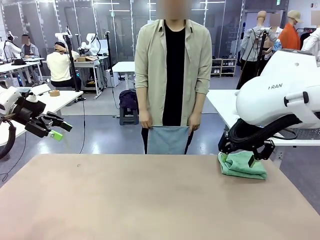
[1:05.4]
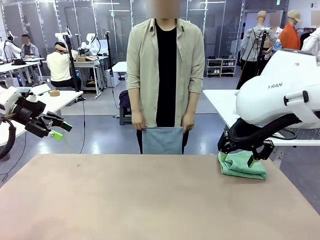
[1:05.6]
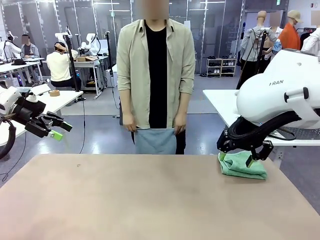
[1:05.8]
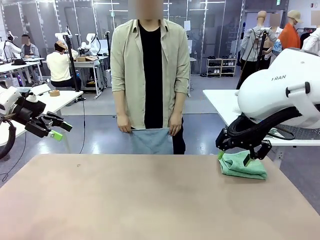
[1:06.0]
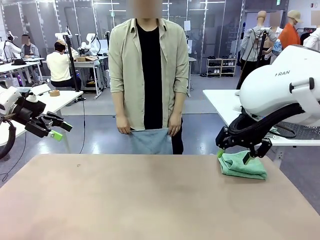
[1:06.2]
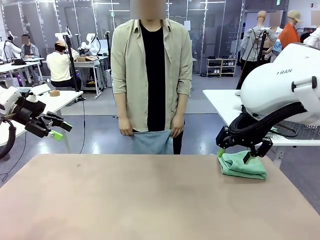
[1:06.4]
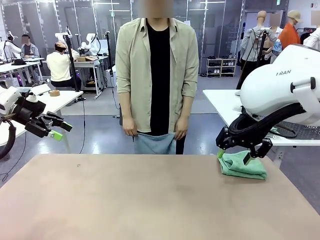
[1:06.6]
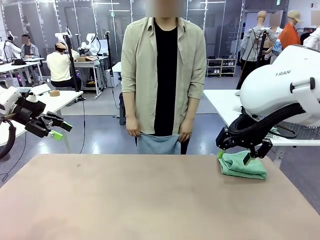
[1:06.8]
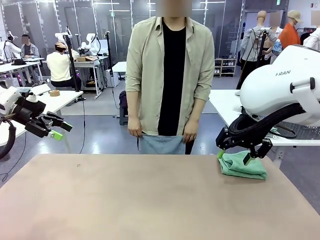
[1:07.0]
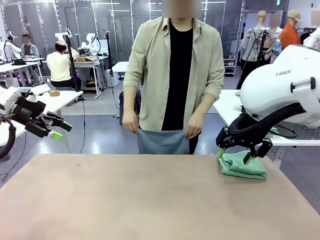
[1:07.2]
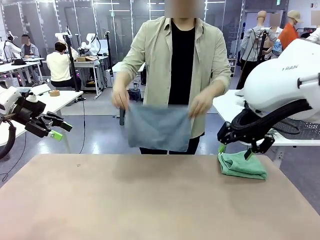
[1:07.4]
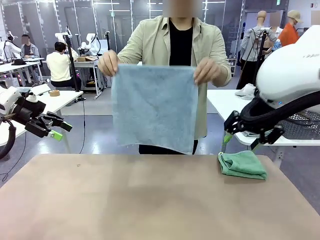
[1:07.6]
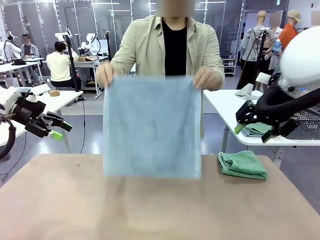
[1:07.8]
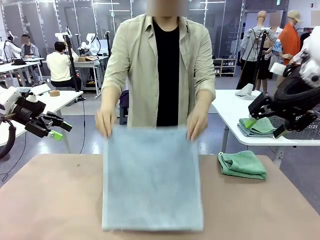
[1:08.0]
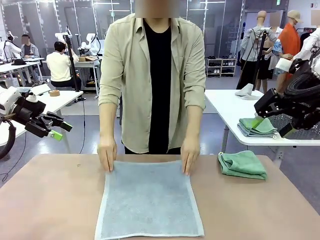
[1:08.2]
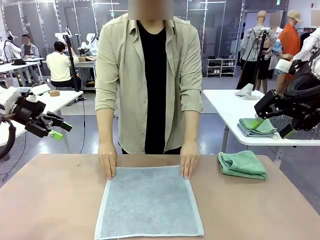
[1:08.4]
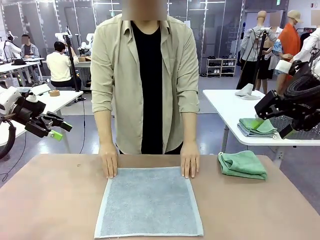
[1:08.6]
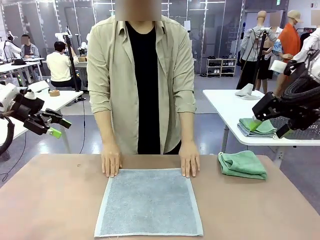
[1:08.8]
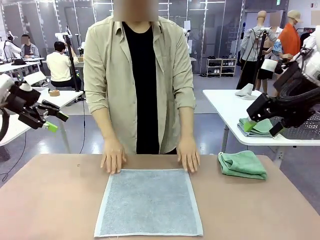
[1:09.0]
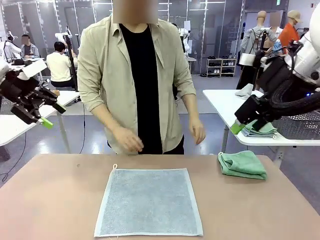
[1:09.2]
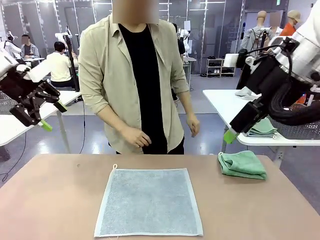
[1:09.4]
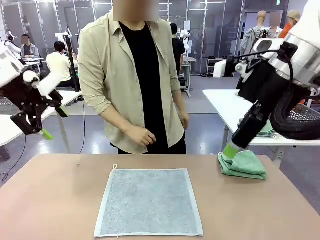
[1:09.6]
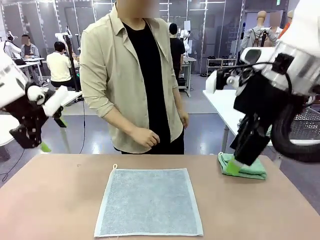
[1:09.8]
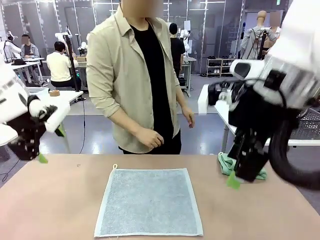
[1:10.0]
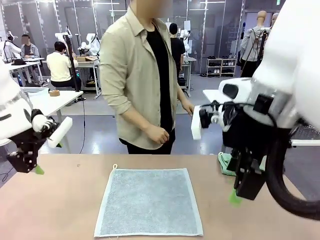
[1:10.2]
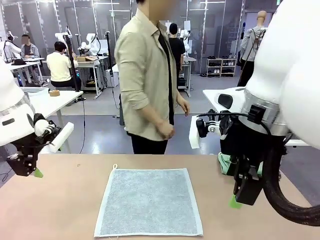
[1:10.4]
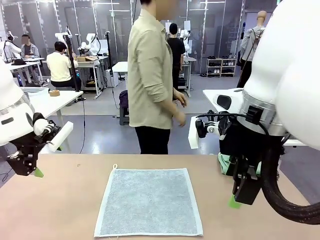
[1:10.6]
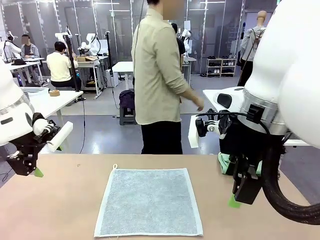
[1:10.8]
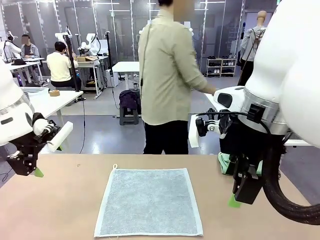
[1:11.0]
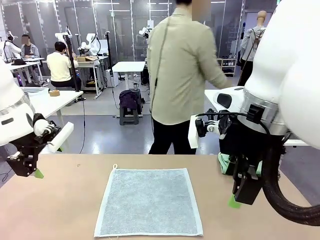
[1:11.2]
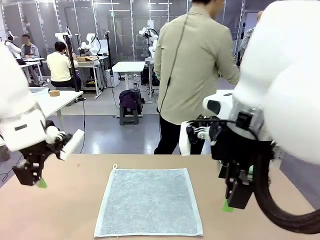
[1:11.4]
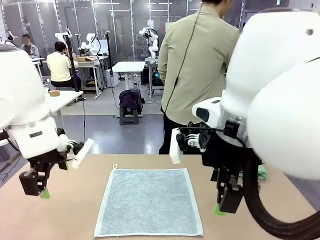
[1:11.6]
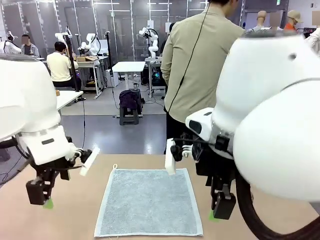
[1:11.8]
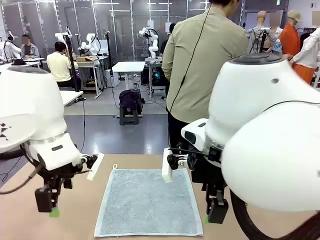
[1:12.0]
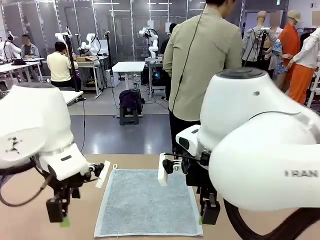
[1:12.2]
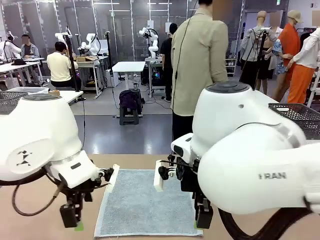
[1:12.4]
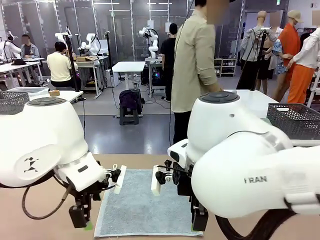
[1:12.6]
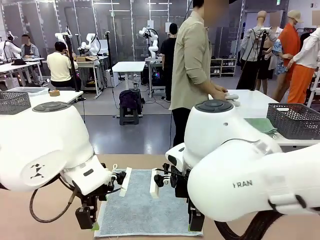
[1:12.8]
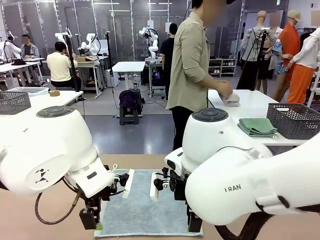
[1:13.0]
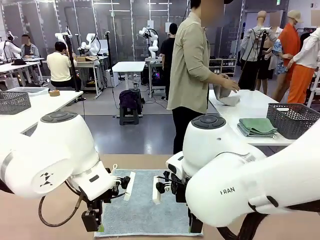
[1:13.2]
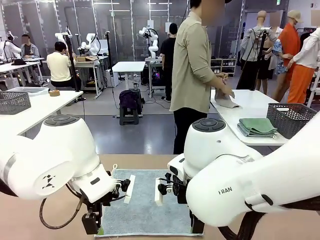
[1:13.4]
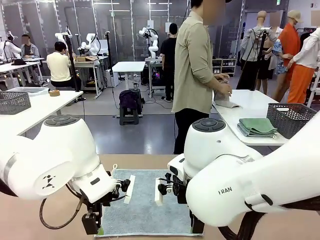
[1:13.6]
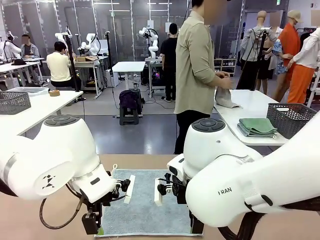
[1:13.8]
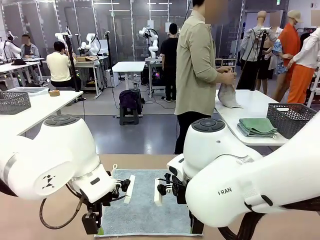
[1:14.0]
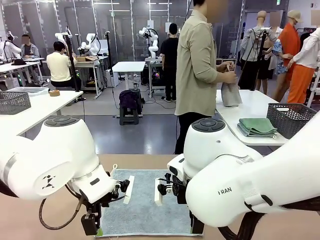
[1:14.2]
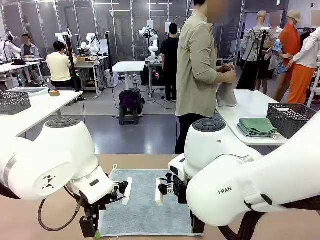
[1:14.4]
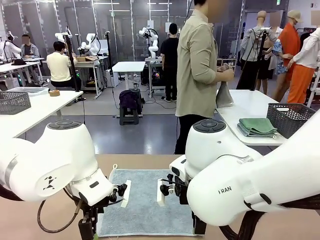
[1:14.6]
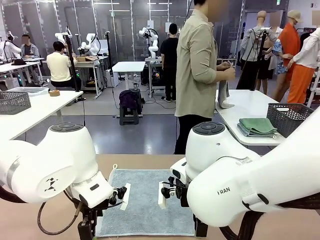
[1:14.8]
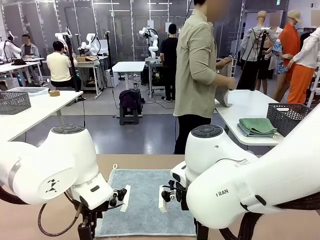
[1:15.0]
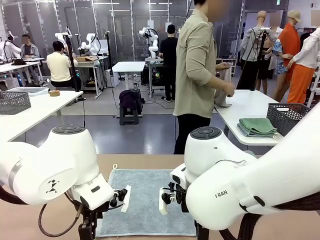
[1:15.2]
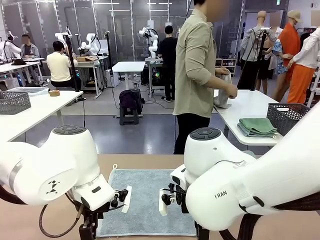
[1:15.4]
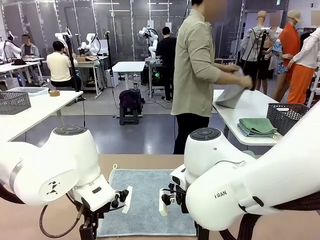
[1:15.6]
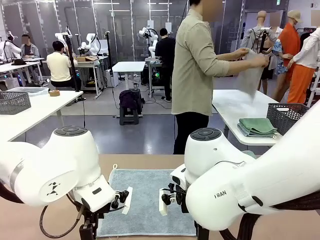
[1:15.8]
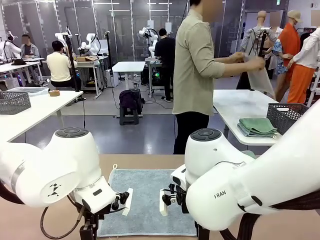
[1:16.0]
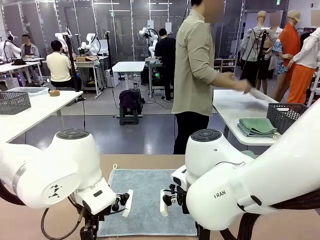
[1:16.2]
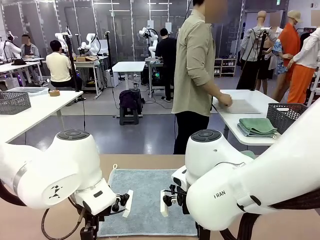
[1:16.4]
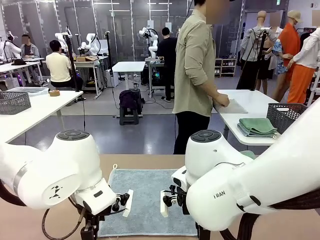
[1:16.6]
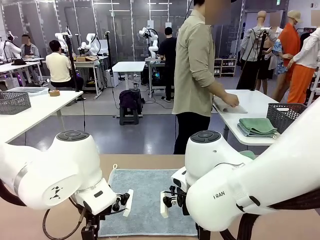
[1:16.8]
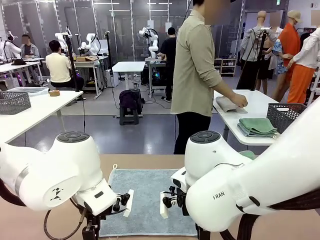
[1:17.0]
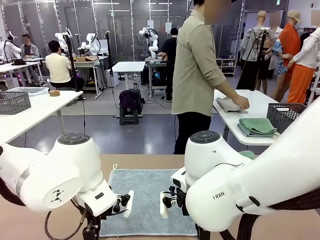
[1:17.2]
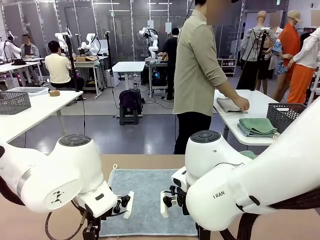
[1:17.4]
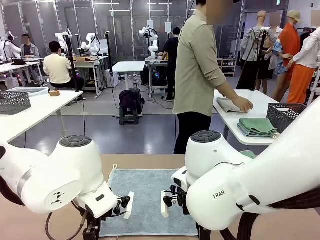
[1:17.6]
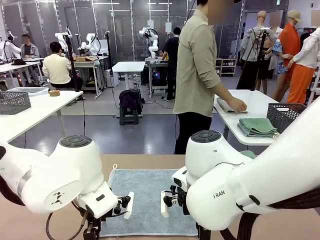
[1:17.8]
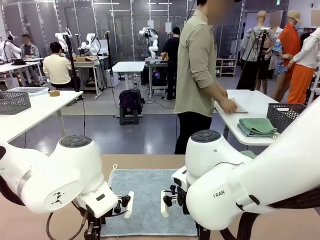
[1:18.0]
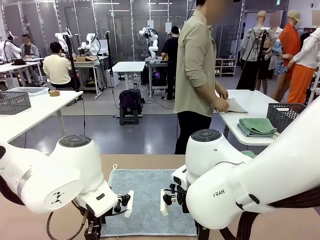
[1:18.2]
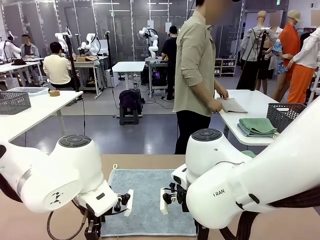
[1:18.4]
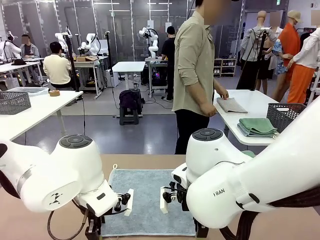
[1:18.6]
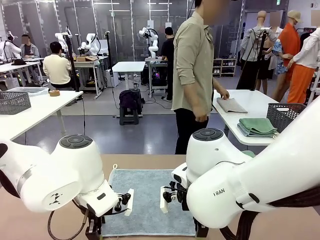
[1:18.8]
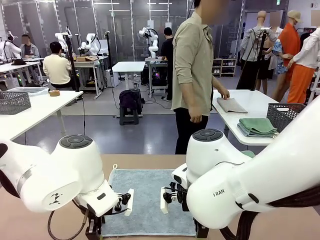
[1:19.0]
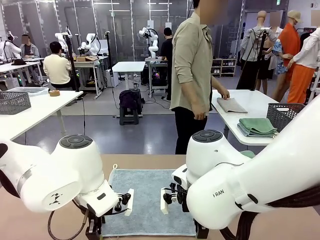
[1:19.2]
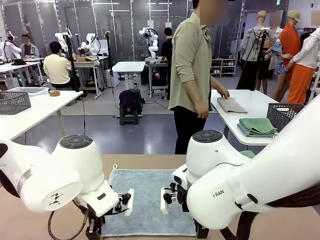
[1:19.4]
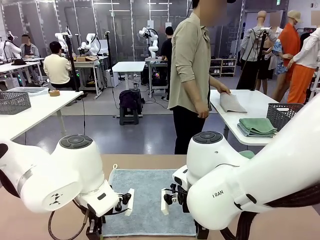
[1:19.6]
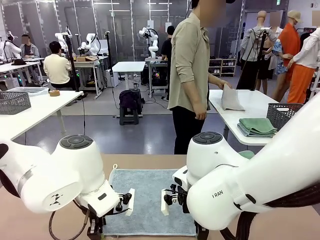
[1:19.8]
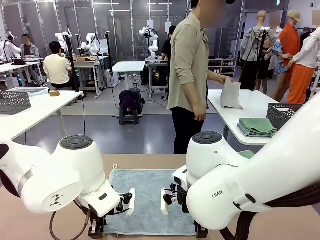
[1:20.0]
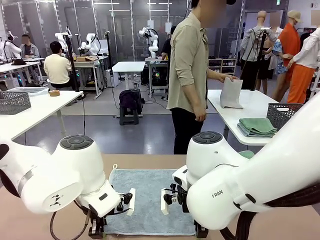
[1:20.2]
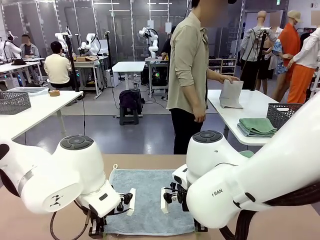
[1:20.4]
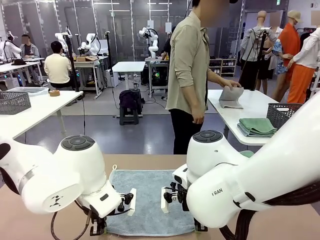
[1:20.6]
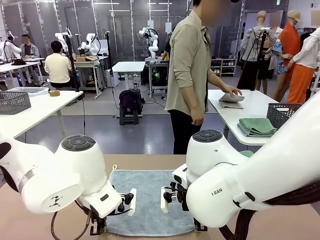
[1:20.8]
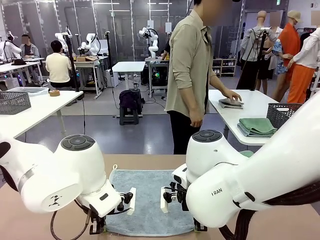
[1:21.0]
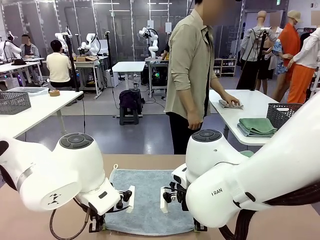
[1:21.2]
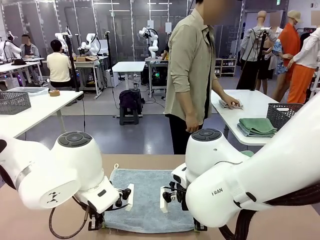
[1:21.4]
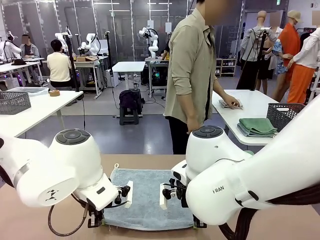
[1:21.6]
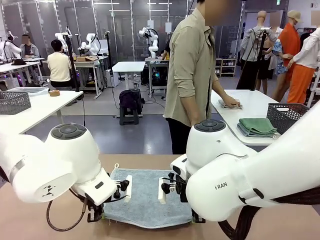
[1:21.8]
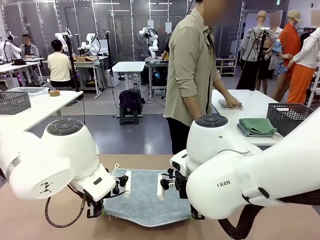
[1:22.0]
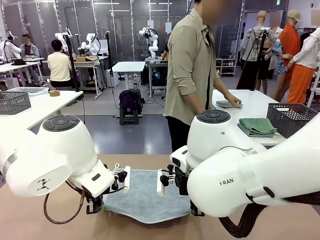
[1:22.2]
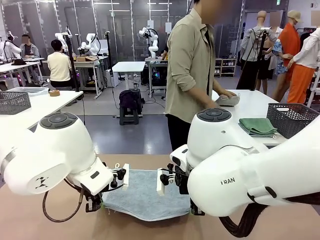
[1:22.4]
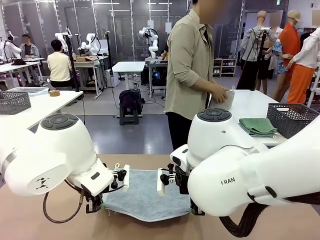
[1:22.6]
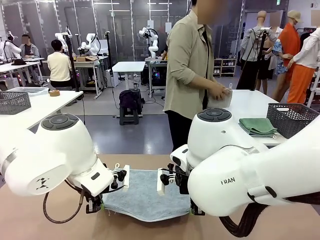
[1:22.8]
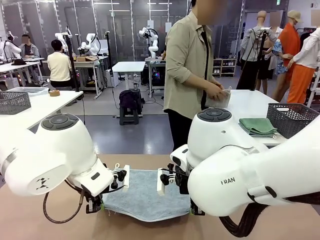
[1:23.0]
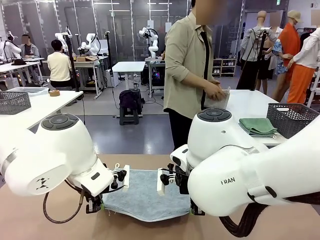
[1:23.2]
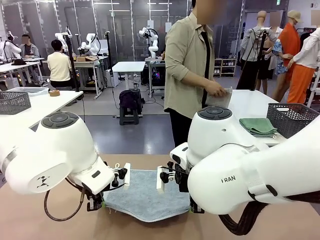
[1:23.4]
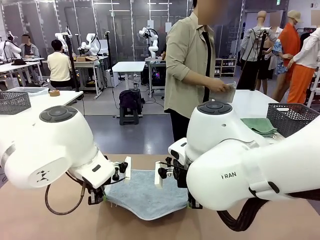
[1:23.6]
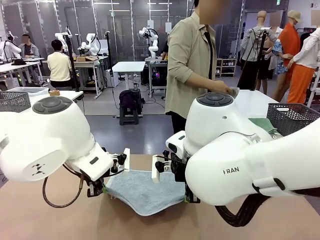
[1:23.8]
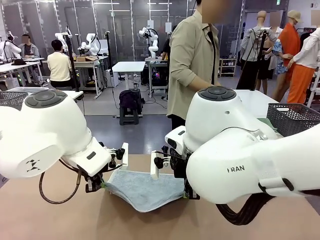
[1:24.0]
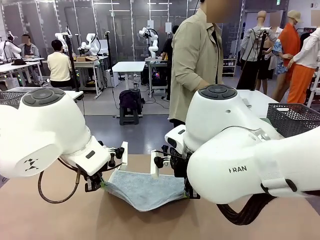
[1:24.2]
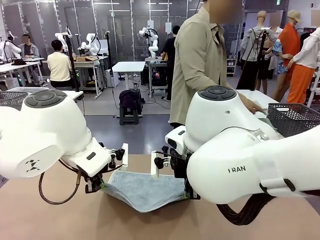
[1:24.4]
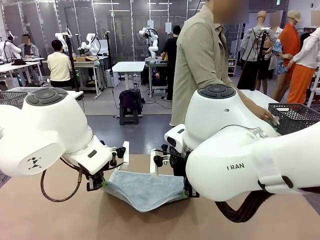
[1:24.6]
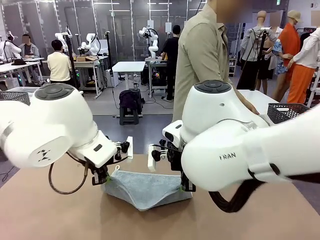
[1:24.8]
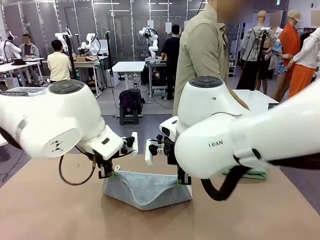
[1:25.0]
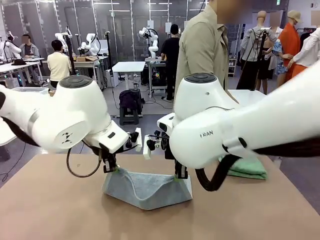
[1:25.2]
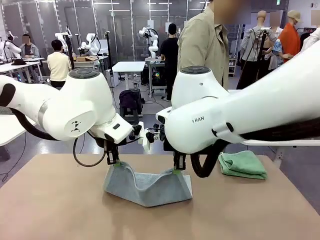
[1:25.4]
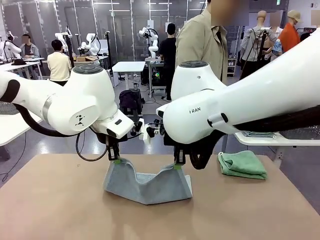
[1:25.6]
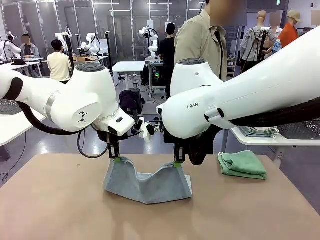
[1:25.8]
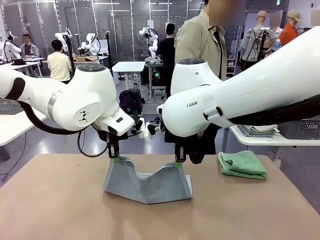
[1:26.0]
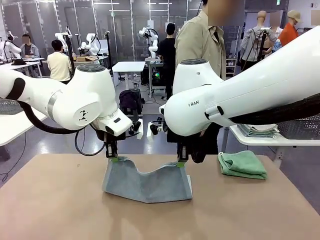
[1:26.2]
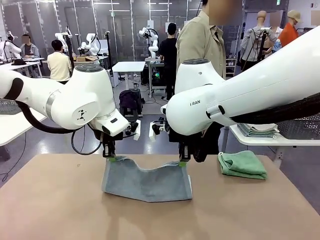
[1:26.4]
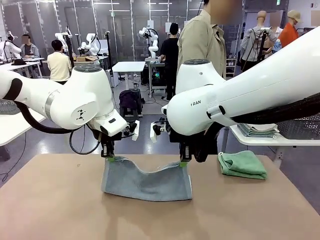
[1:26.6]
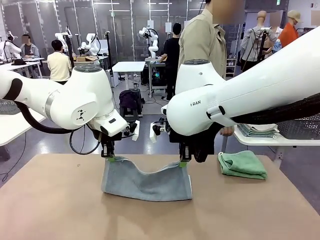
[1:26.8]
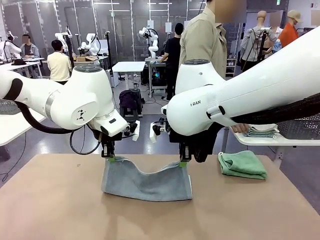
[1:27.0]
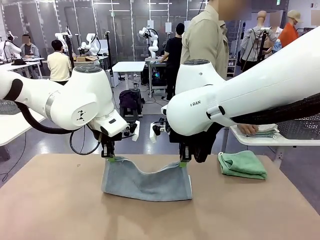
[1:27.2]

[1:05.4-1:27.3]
Task: Fold the towels and place them in the basket.
Robot: When a person lays out a Towel with hook on the table, fold it in half twice.
Person: Pick up one towel from the left side of the human table, fold it in half twice, and stack it on the right side of the table.
